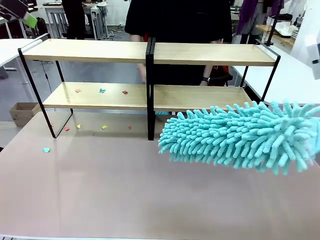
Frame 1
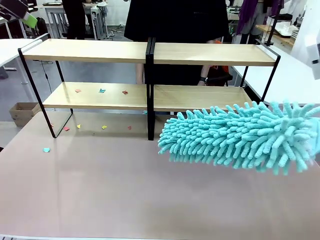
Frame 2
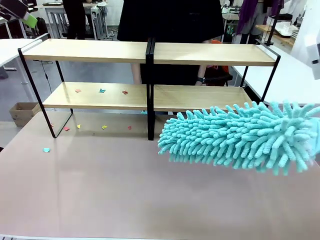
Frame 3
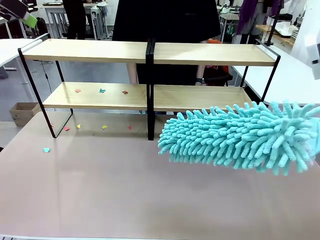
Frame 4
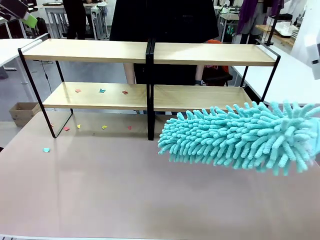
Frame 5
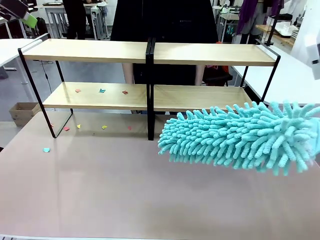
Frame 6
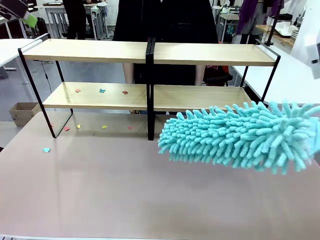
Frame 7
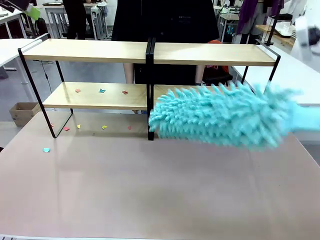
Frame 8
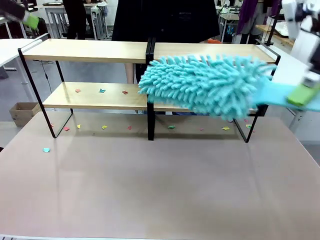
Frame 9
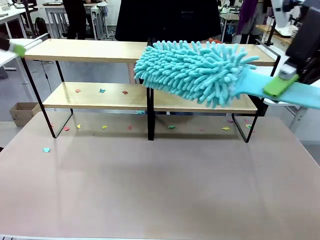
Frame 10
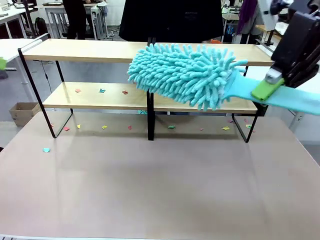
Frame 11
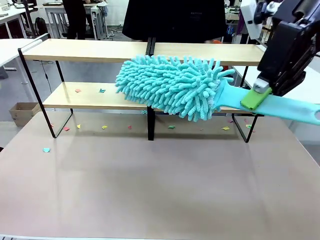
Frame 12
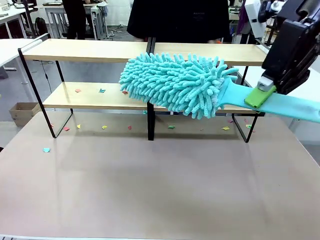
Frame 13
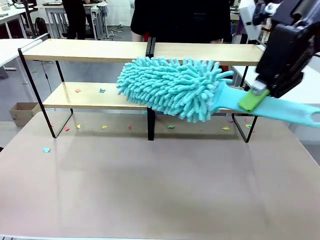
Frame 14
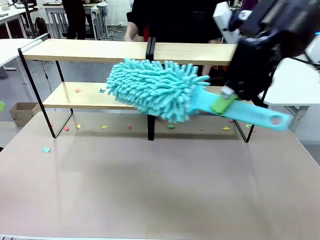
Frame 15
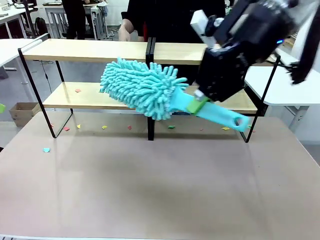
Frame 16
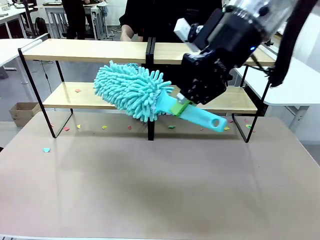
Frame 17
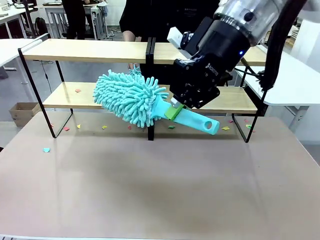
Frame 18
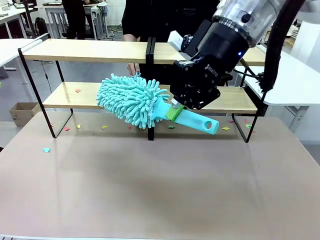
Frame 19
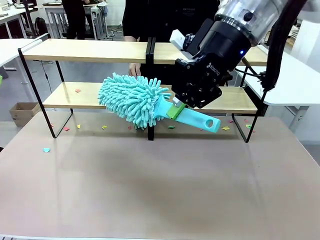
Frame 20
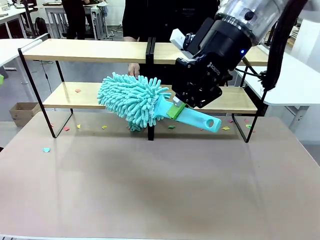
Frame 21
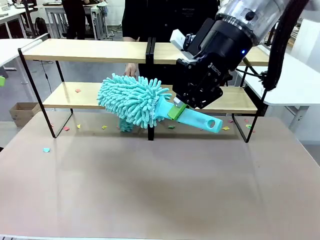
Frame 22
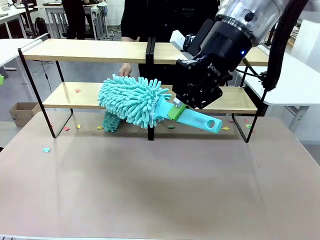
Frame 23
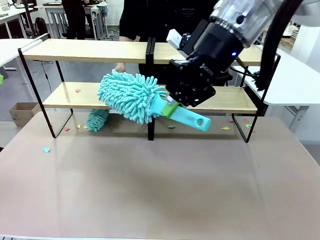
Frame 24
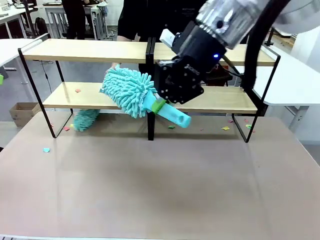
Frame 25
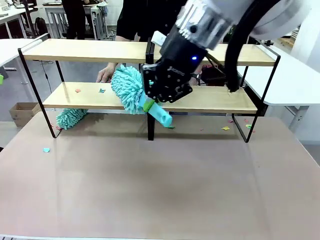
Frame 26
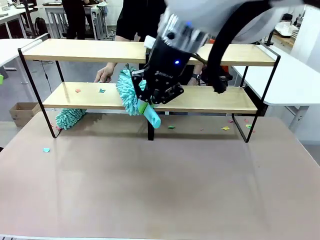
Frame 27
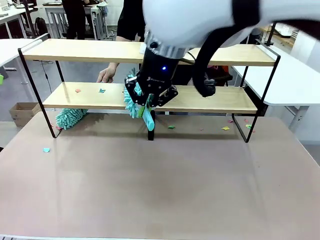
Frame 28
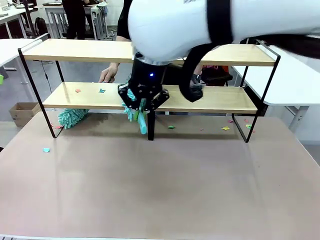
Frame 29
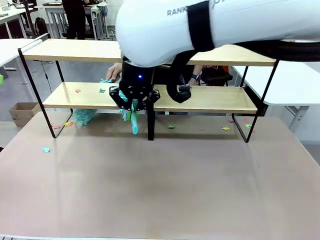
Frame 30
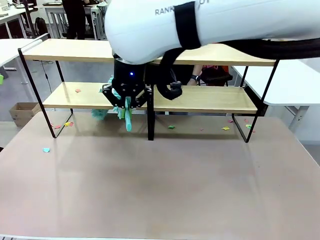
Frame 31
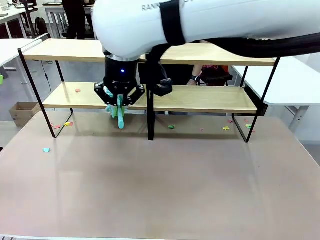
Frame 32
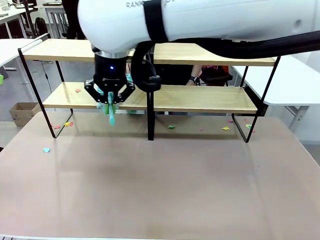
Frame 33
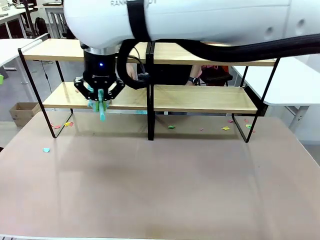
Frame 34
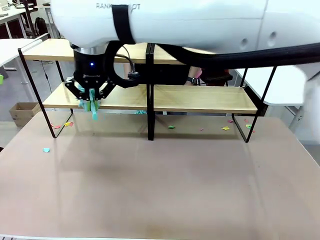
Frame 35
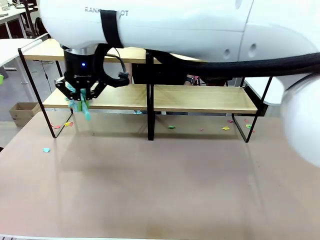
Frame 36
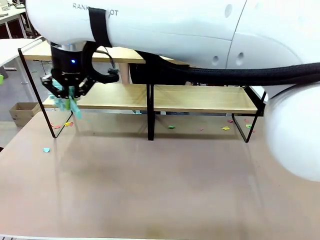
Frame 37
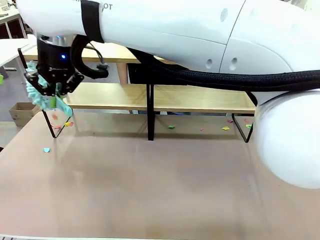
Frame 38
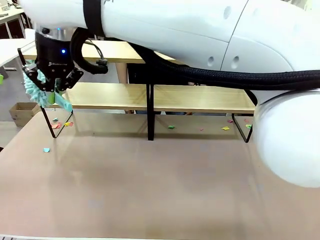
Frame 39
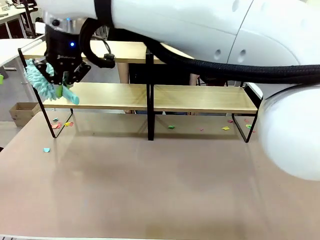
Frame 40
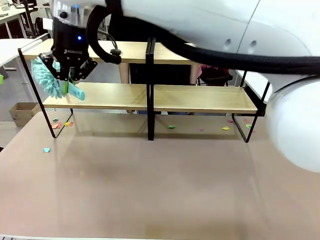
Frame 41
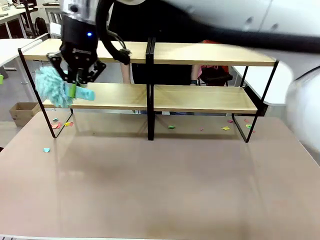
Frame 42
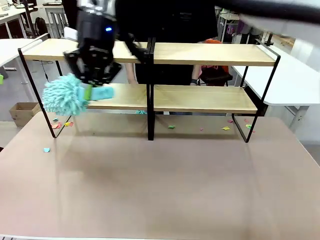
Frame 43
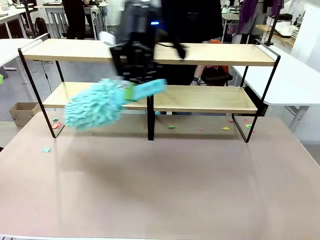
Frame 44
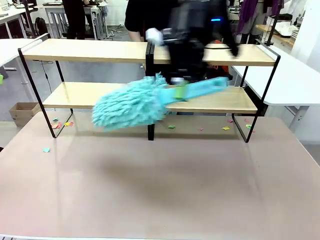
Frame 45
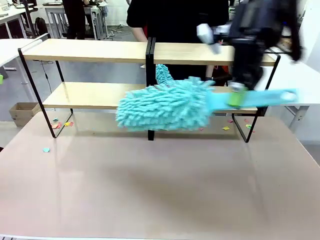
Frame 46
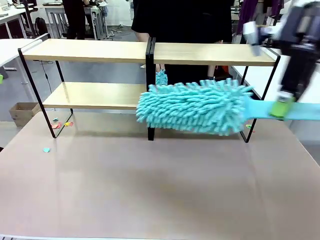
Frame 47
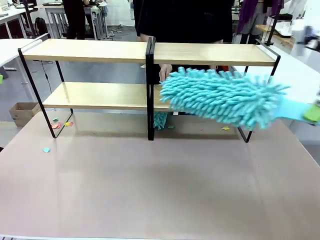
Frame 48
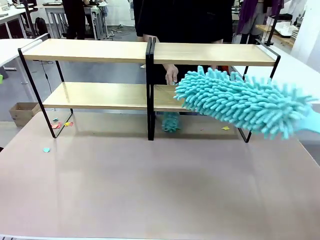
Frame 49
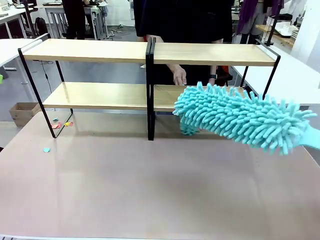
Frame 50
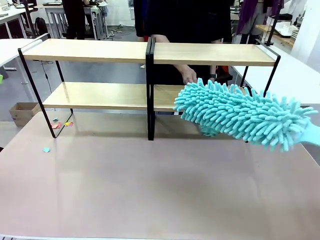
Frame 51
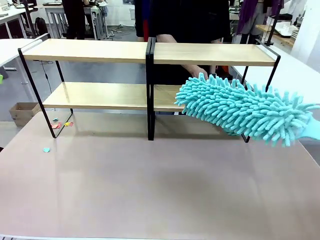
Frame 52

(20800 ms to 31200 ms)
Task: Clean the shelves.
Robot: Clean another randomly selected level of the Shelf with the Duster.

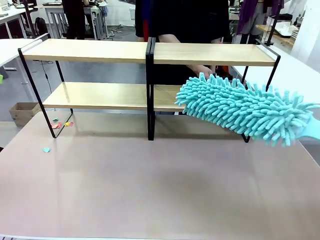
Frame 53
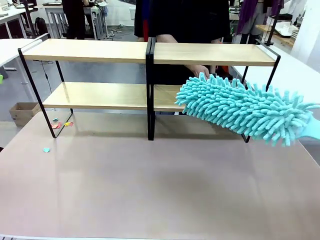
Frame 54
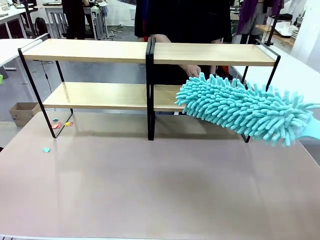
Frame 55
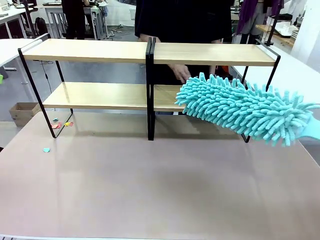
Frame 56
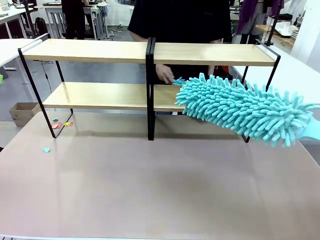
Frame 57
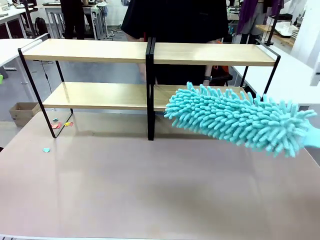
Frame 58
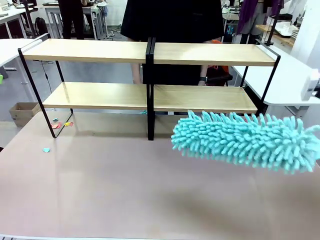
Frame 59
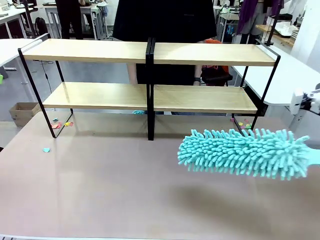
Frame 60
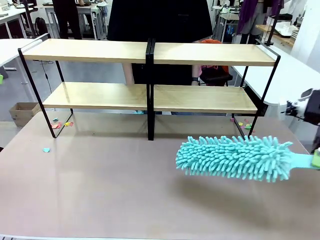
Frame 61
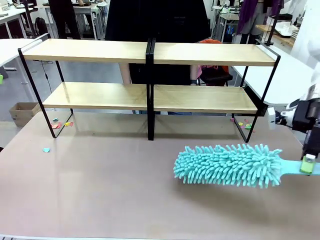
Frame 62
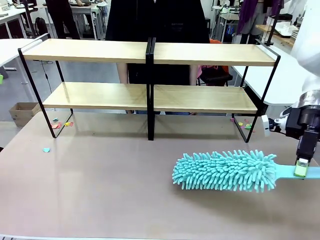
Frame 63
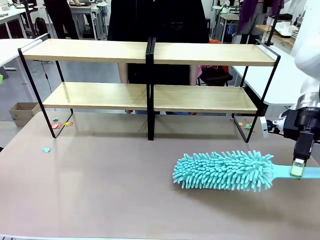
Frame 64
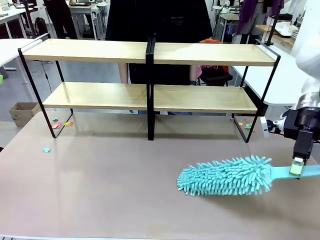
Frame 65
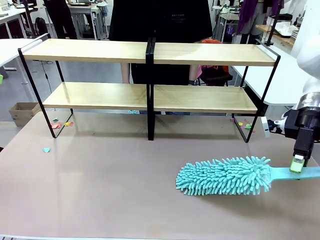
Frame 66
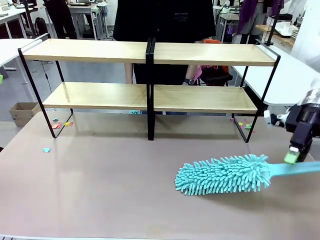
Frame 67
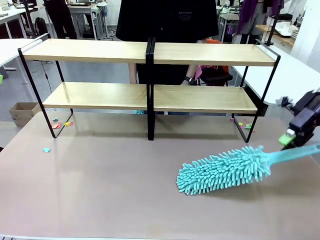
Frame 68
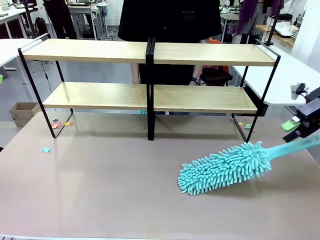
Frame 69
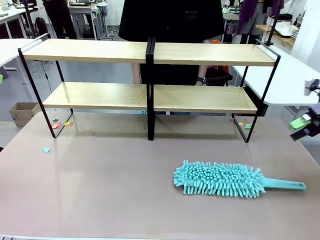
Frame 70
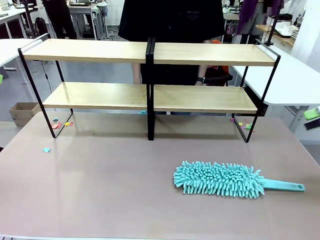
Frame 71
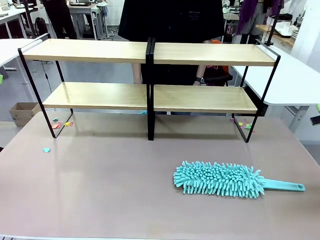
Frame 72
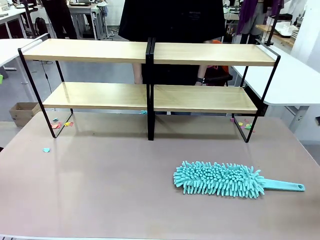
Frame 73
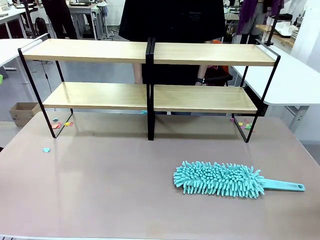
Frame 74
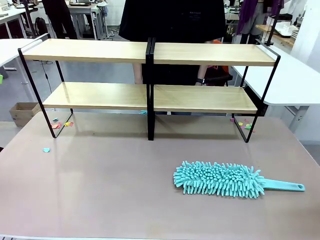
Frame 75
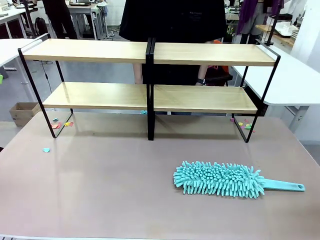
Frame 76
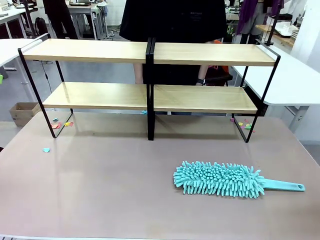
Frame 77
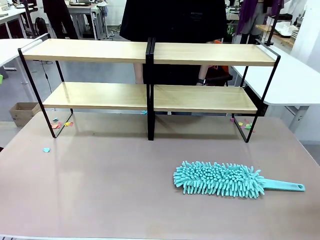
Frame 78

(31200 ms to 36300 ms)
Robot: Place the Duster on the table.

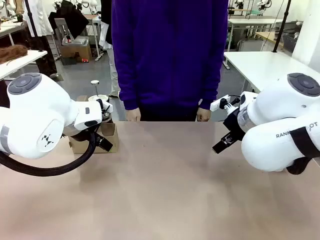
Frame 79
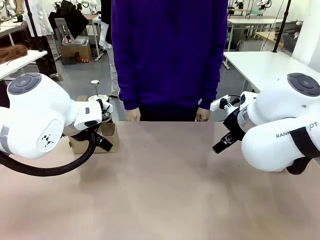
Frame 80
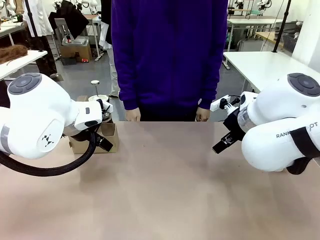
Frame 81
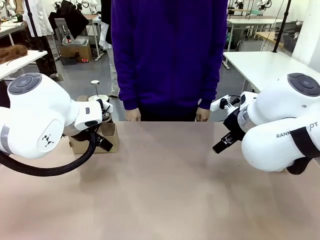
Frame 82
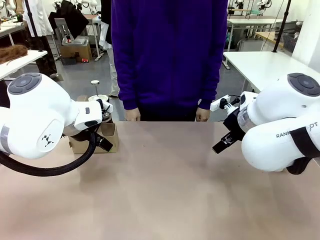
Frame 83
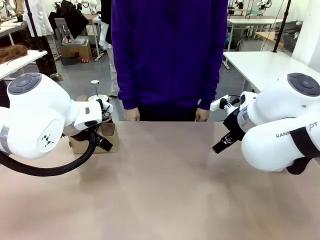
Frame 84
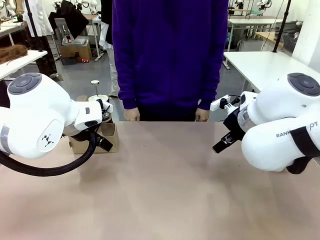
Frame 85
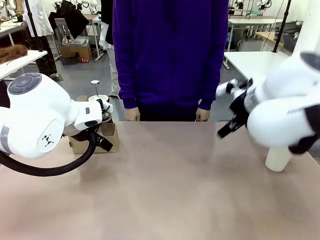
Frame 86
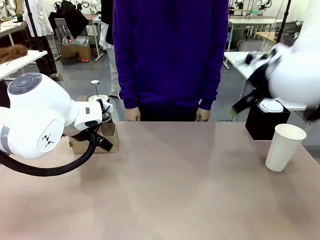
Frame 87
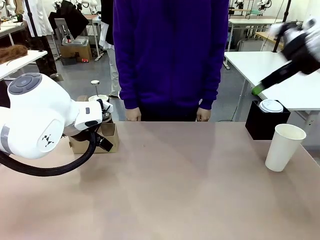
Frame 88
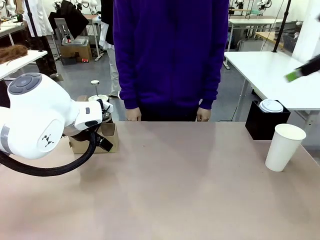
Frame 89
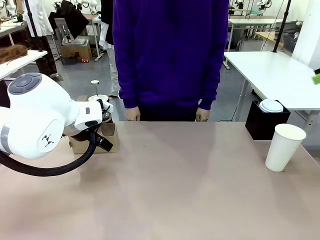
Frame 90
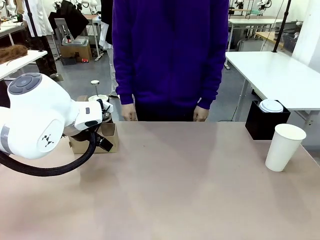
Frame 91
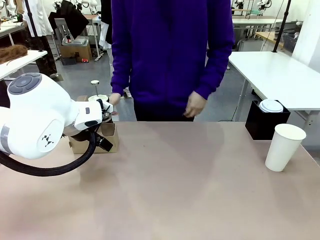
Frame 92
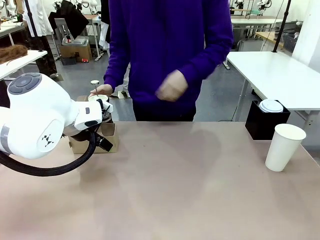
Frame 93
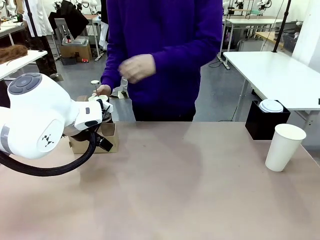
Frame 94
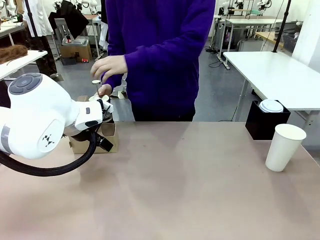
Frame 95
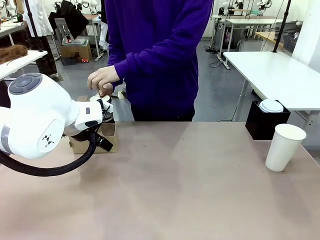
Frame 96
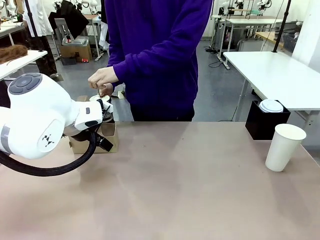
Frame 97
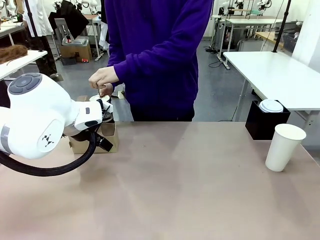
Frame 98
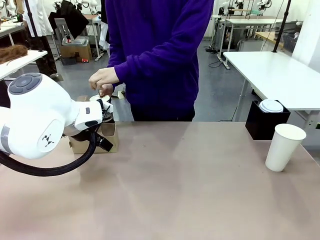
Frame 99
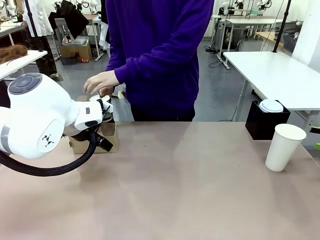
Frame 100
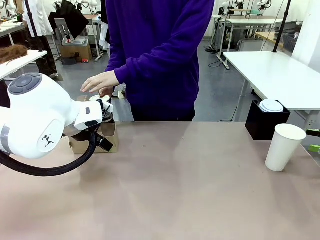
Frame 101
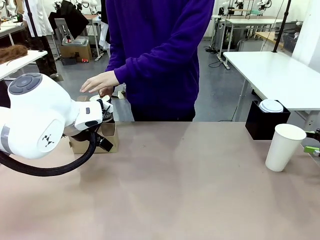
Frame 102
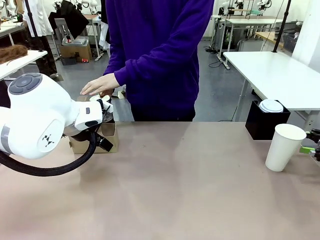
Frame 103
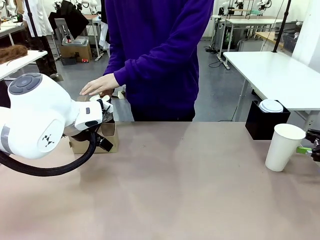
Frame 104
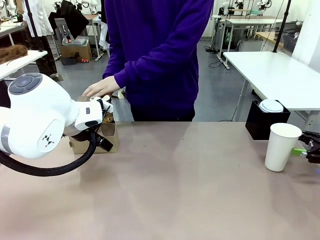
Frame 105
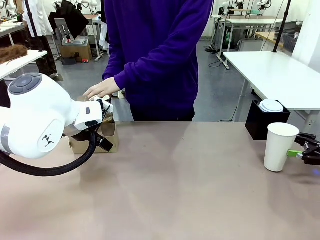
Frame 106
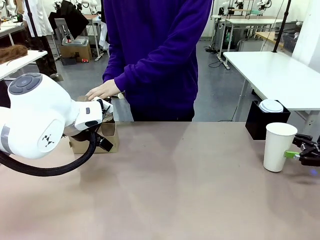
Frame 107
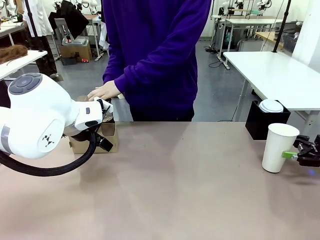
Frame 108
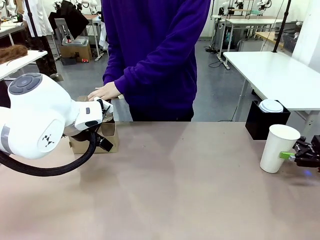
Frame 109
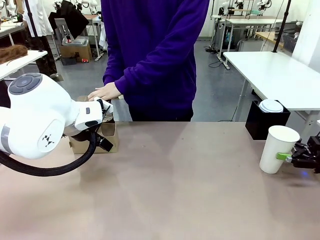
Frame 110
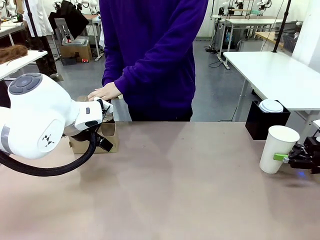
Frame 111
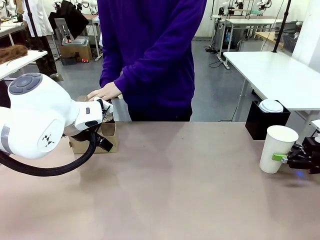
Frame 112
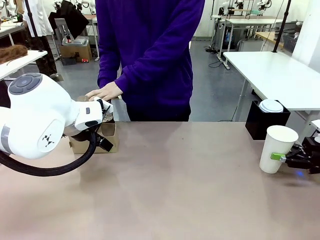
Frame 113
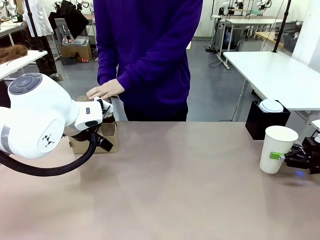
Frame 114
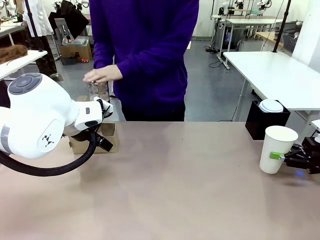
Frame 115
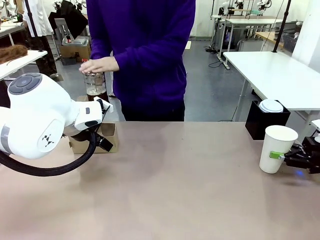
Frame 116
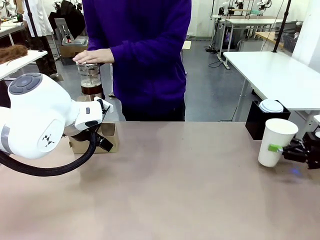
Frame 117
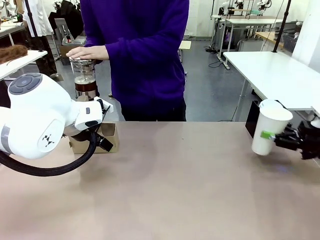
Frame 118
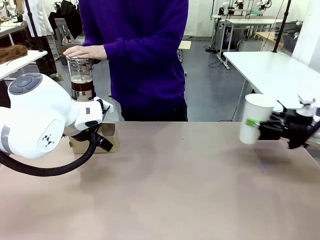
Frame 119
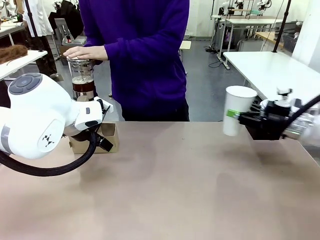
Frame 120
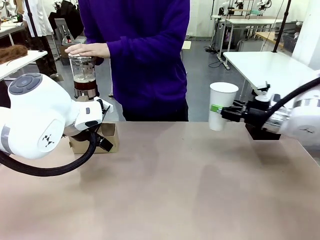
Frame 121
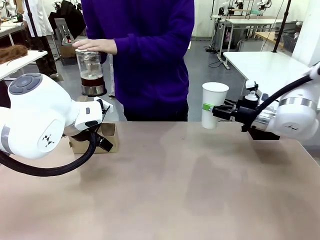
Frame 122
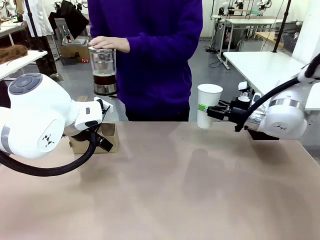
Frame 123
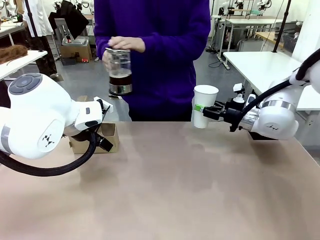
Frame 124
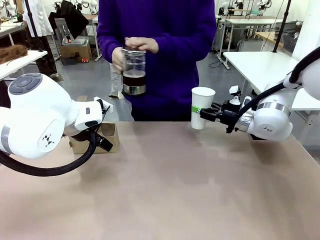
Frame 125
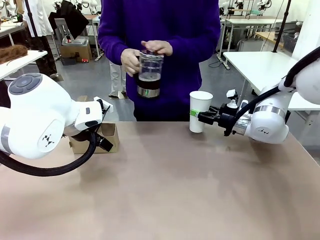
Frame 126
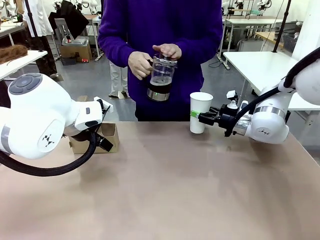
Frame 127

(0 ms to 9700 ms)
Task: Pour a drink into a cup and package it in a carrier.
Robot: Pick up the 600 ml Paper Cup and place it in the middle top area of the table.
Person: Press and pick up the Filter Brewing.
